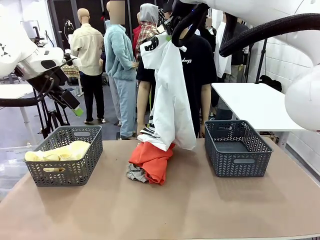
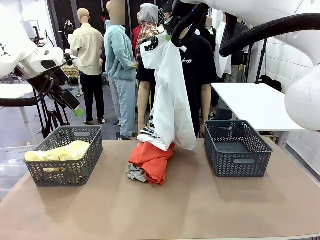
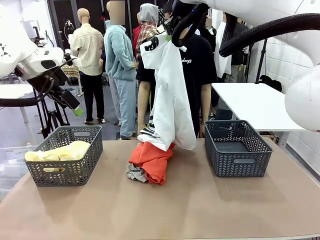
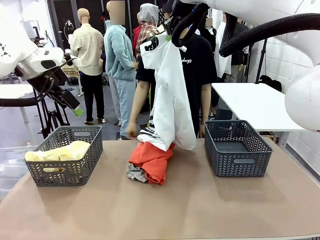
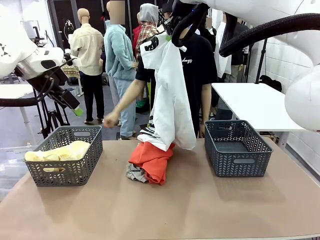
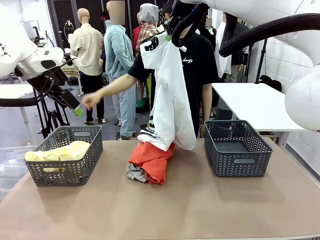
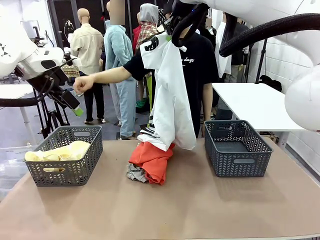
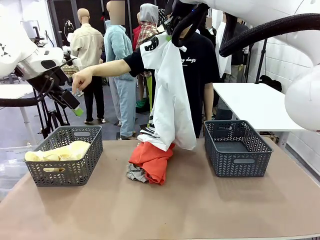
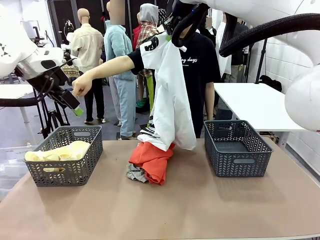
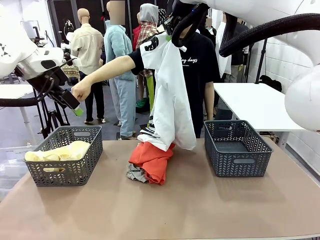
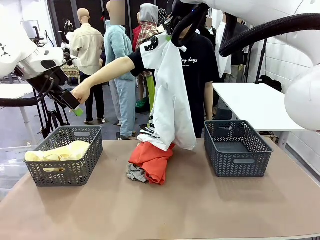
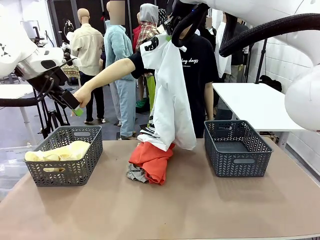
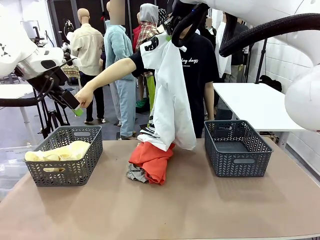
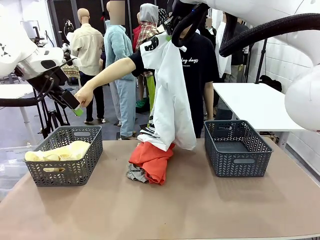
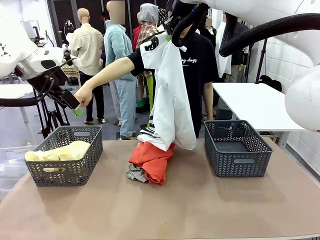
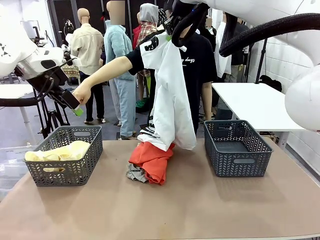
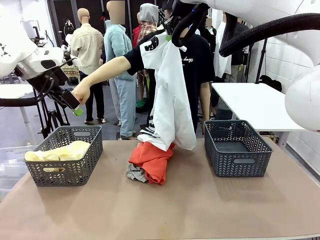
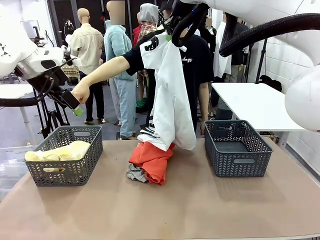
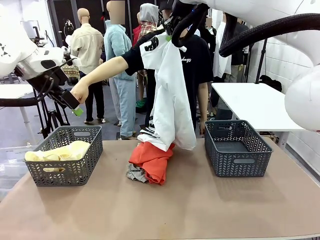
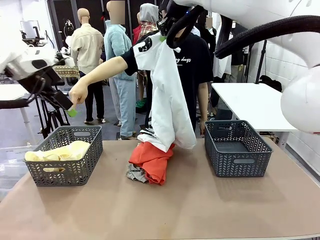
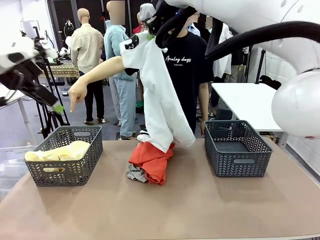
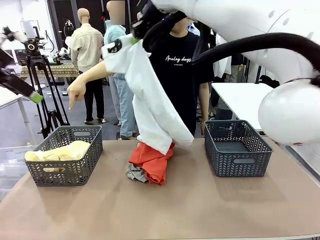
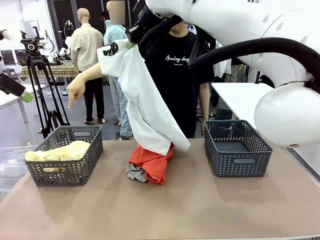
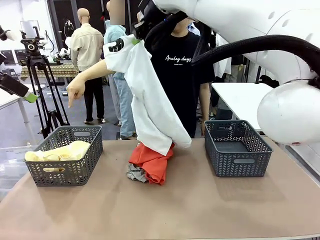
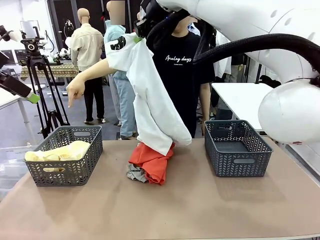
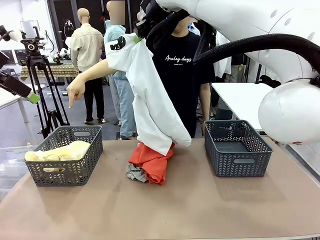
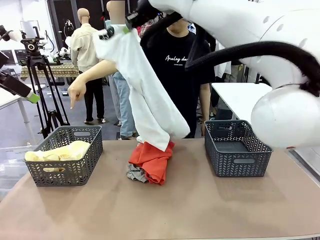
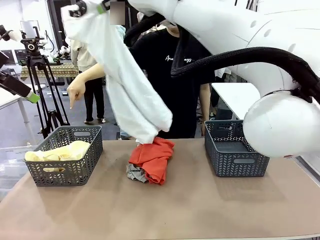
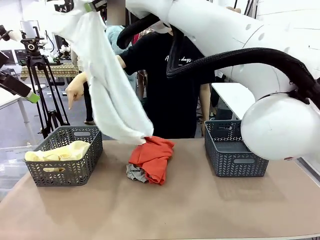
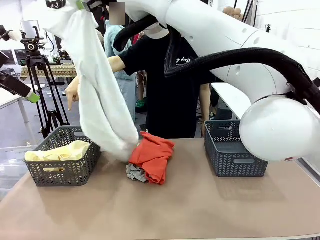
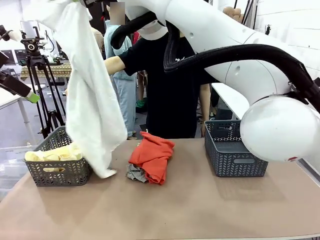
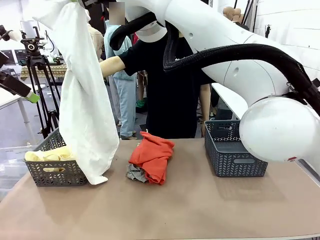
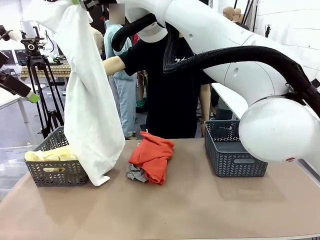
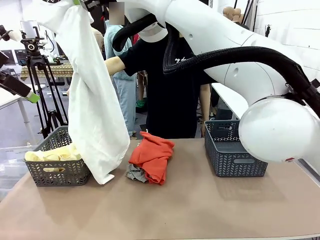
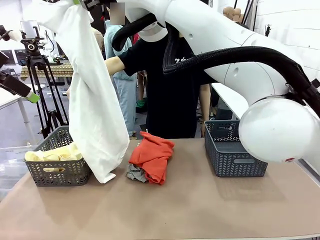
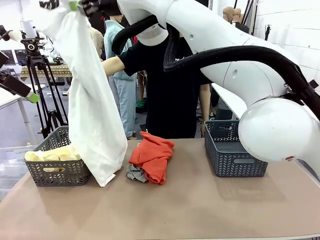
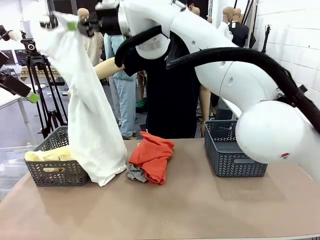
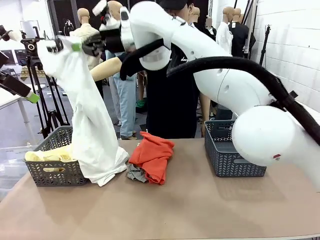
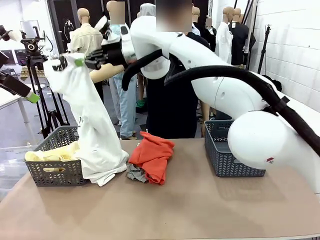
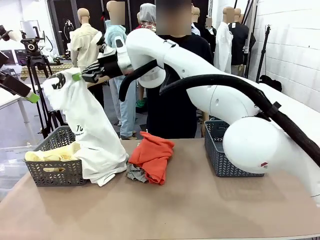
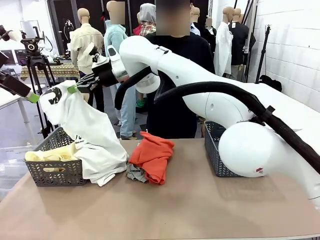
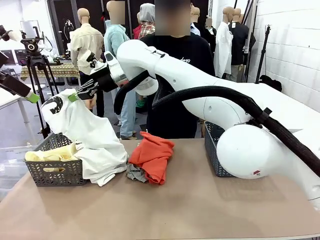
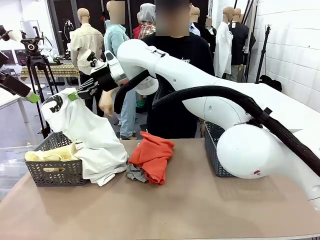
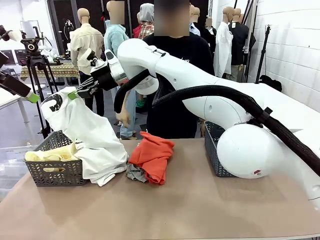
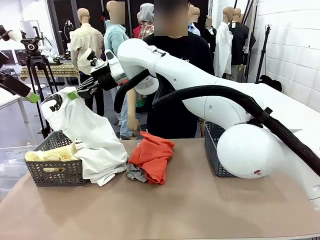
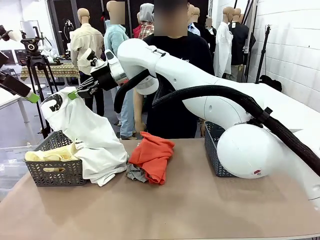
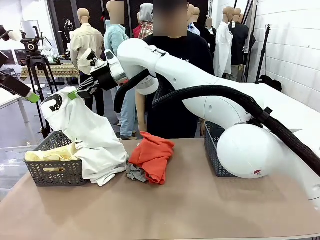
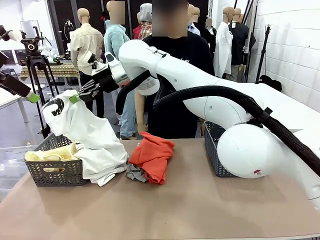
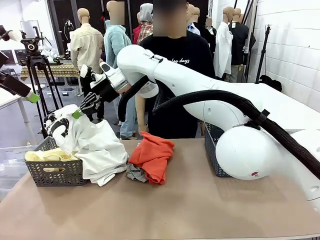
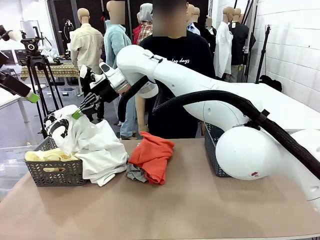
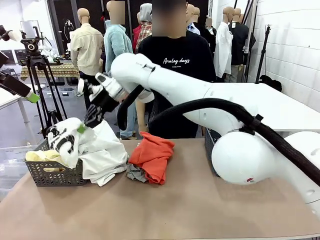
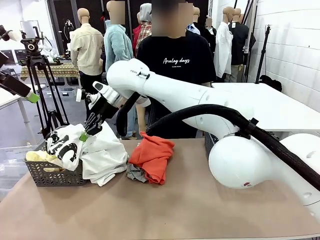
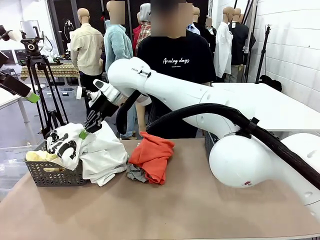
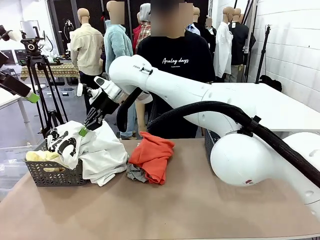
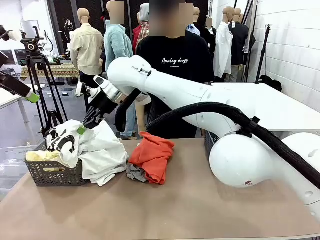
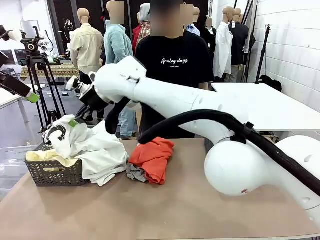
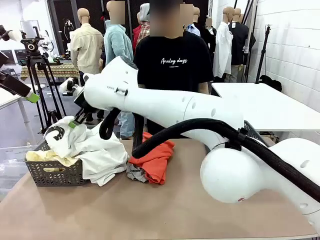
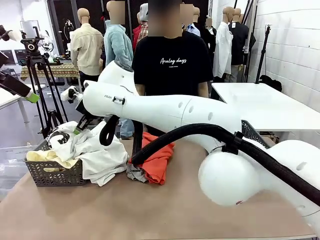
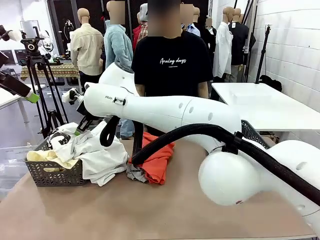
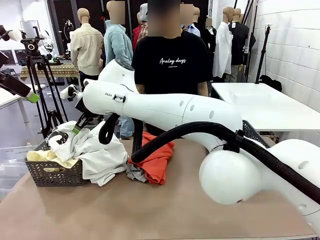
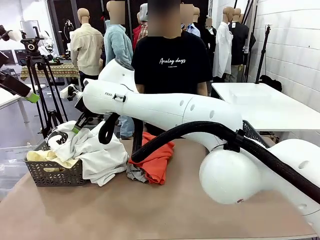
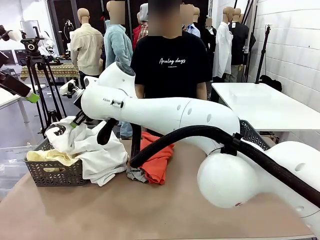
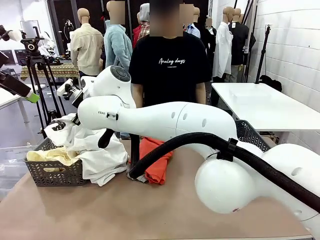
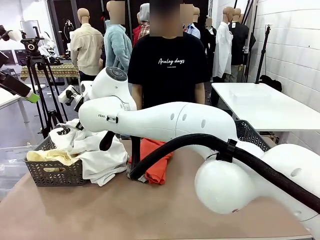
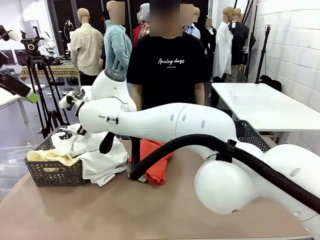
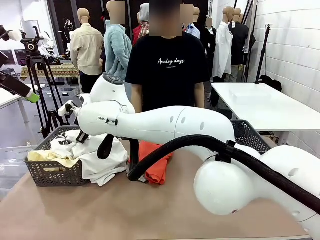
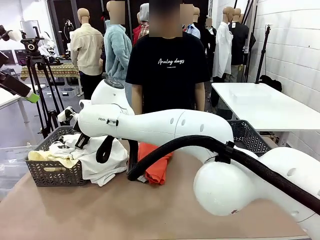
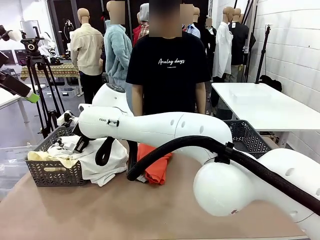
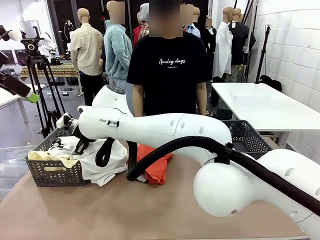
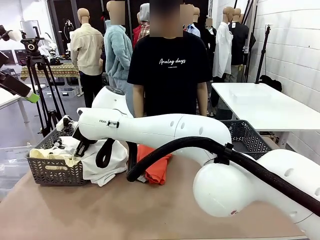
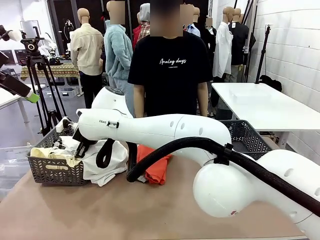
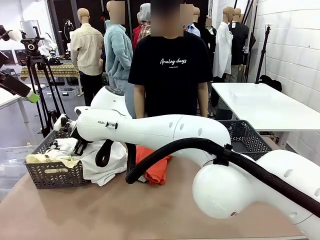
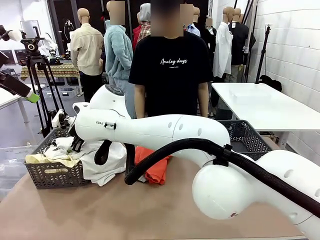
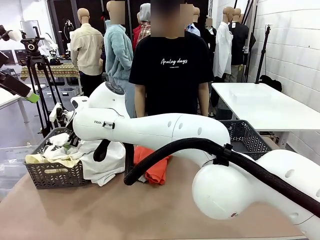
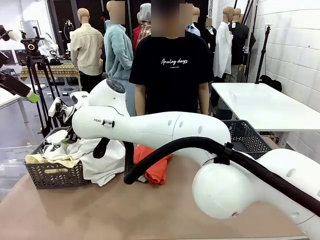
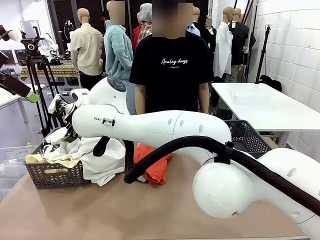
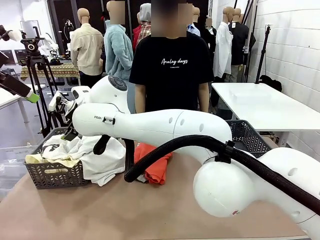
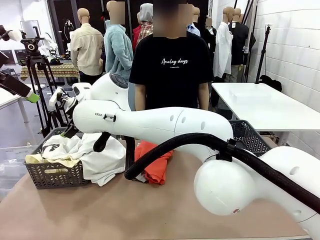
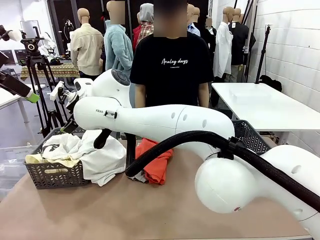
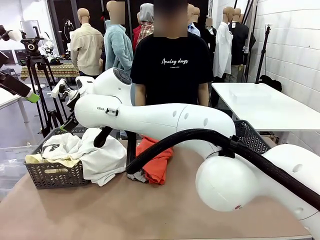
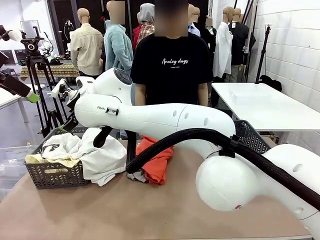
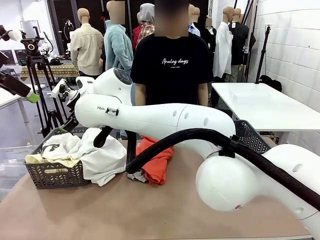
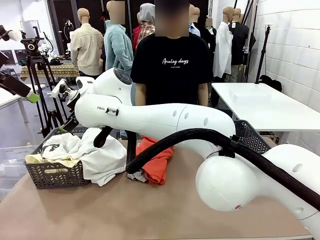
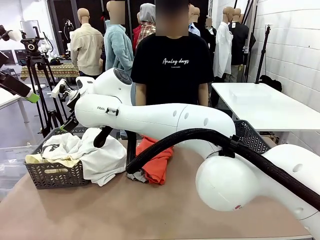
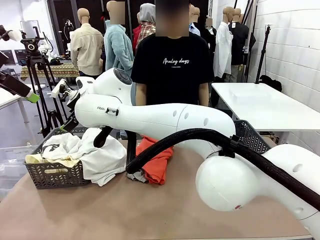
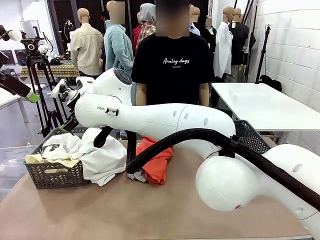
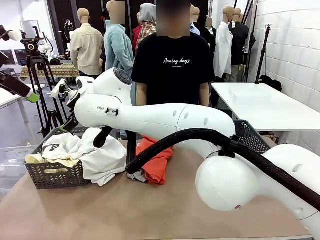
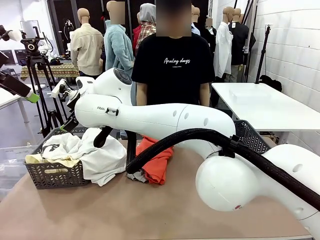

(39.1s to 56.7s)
Task: Sort the tops and bottoms.
Robot: Sort the clothes according to human instructions.
